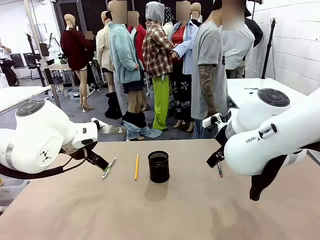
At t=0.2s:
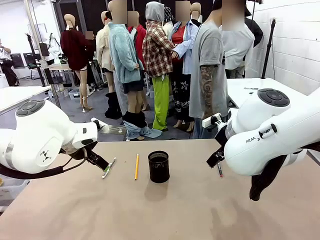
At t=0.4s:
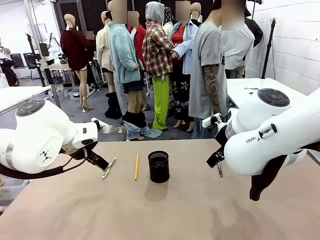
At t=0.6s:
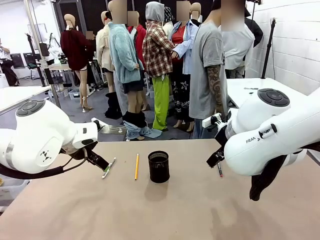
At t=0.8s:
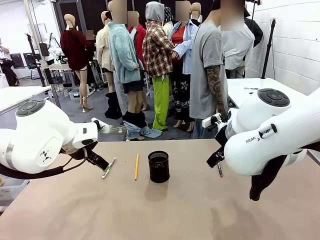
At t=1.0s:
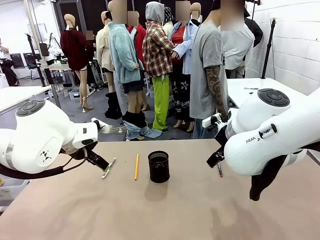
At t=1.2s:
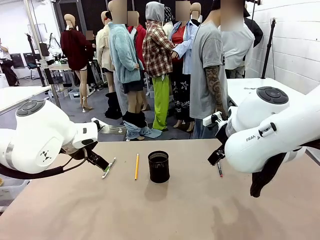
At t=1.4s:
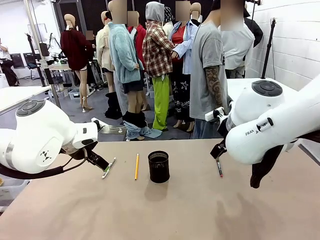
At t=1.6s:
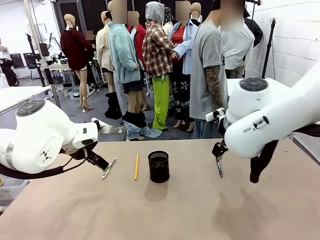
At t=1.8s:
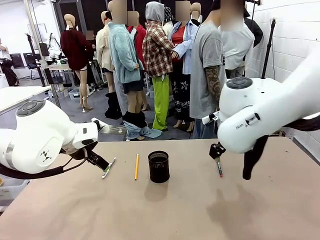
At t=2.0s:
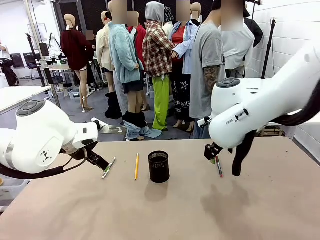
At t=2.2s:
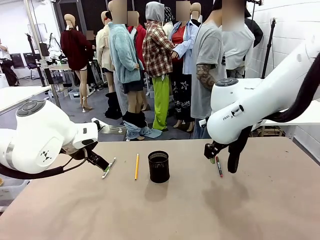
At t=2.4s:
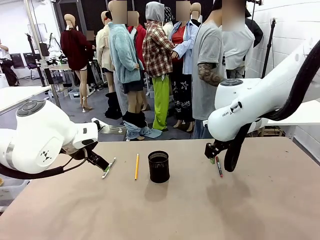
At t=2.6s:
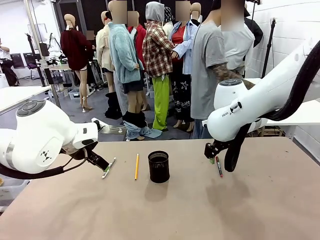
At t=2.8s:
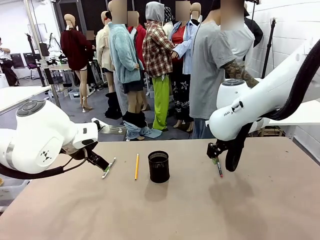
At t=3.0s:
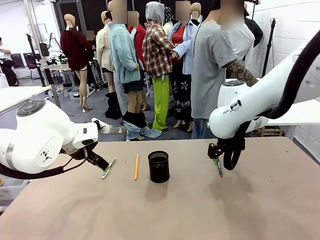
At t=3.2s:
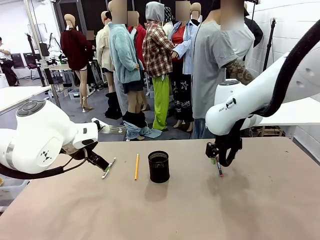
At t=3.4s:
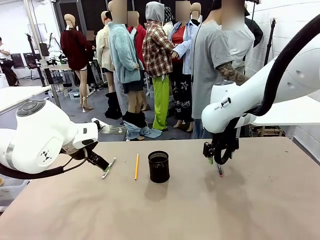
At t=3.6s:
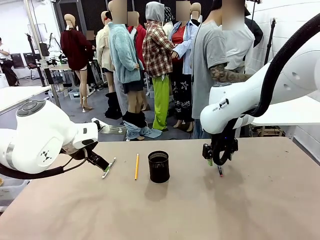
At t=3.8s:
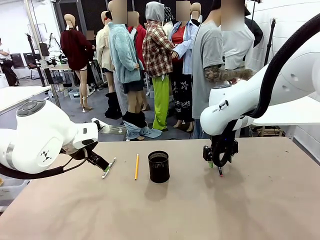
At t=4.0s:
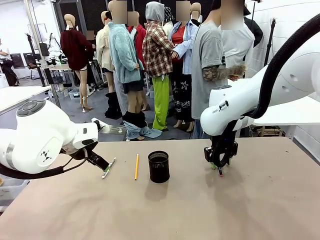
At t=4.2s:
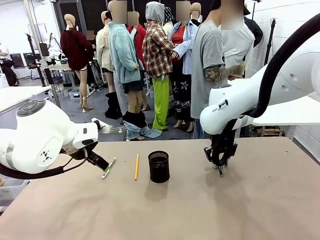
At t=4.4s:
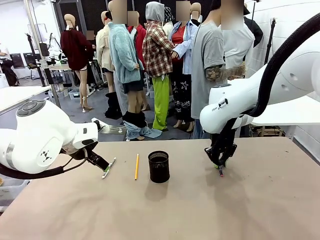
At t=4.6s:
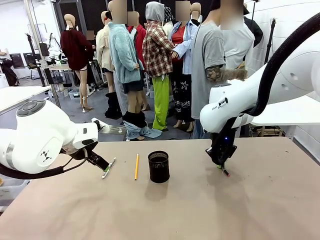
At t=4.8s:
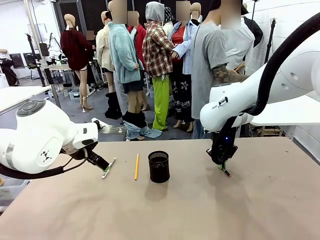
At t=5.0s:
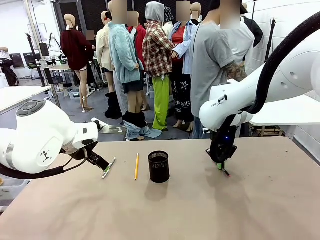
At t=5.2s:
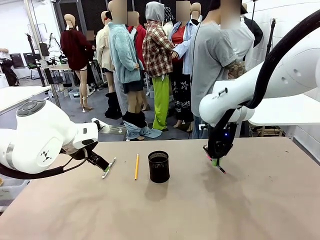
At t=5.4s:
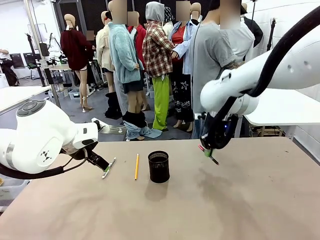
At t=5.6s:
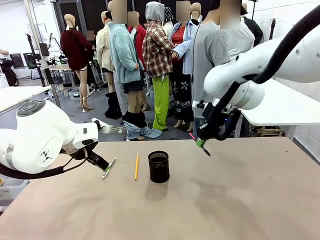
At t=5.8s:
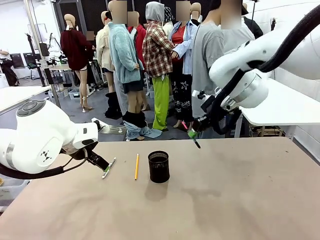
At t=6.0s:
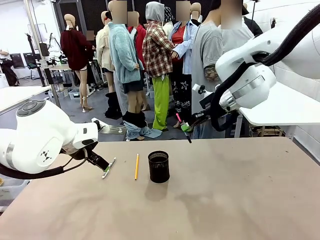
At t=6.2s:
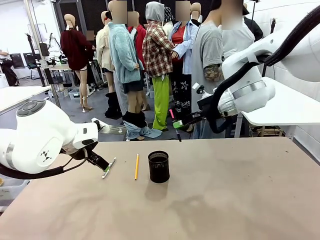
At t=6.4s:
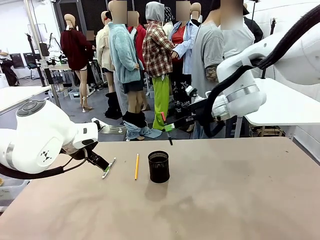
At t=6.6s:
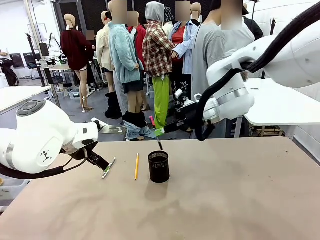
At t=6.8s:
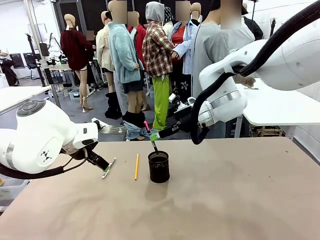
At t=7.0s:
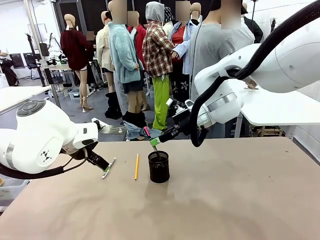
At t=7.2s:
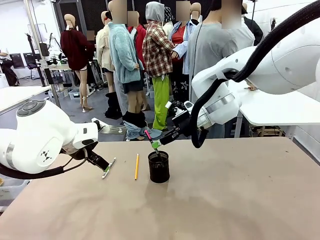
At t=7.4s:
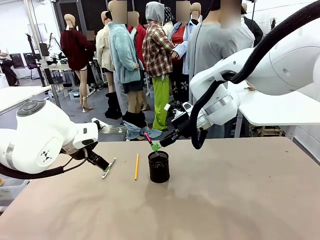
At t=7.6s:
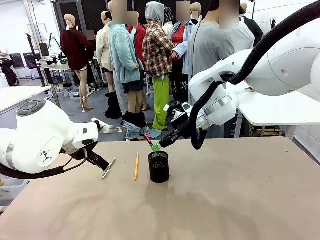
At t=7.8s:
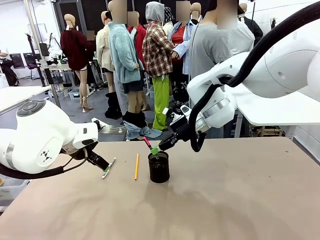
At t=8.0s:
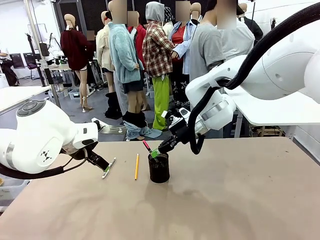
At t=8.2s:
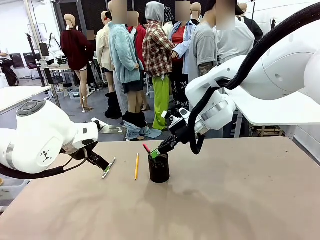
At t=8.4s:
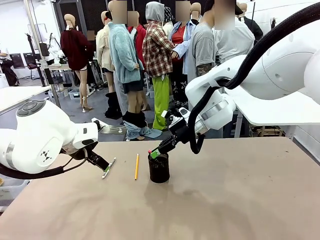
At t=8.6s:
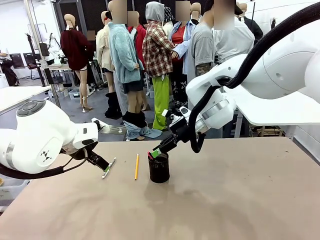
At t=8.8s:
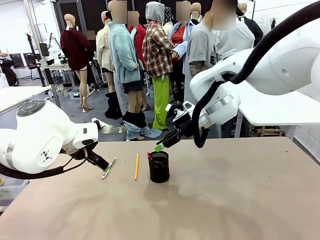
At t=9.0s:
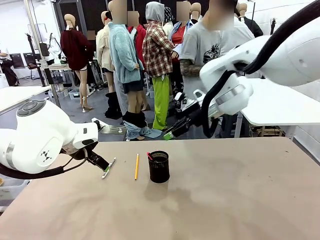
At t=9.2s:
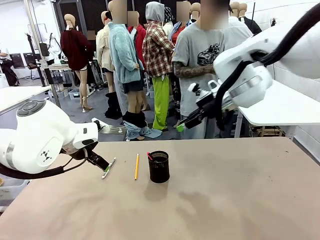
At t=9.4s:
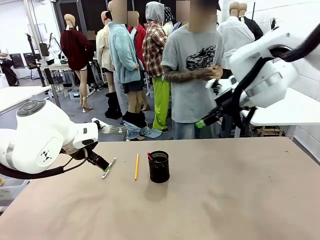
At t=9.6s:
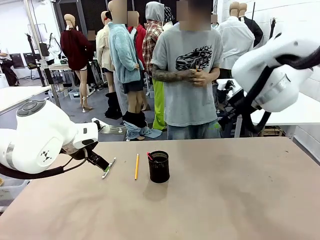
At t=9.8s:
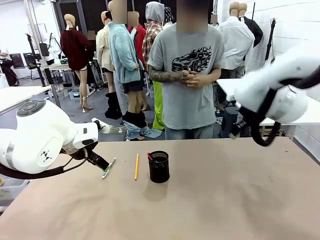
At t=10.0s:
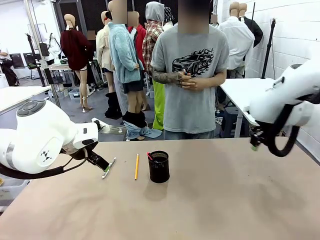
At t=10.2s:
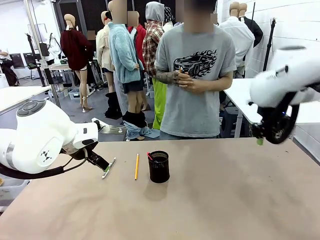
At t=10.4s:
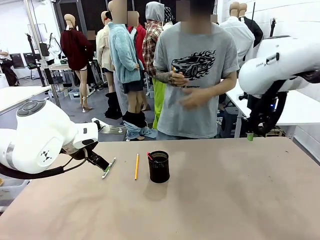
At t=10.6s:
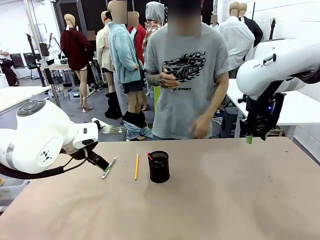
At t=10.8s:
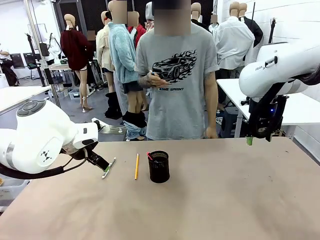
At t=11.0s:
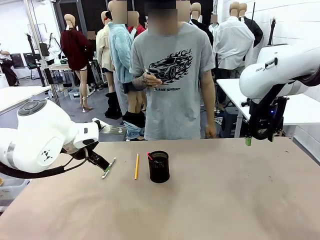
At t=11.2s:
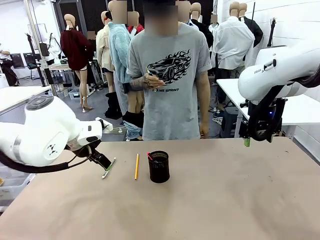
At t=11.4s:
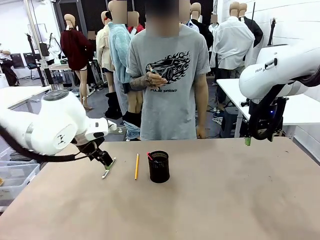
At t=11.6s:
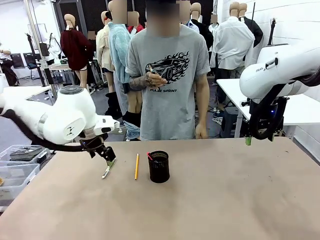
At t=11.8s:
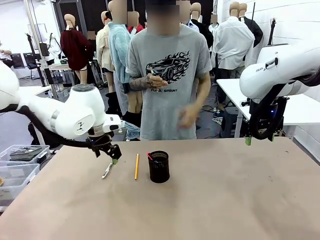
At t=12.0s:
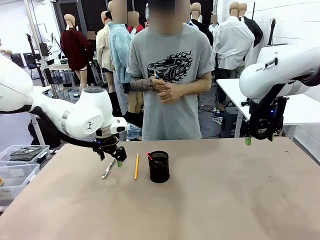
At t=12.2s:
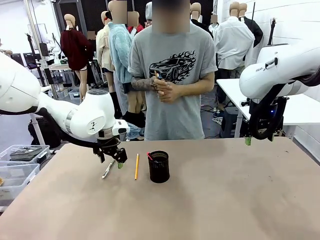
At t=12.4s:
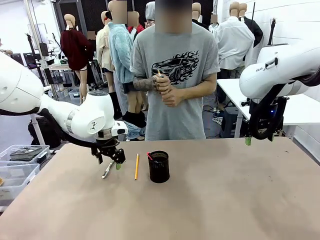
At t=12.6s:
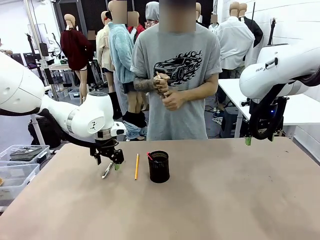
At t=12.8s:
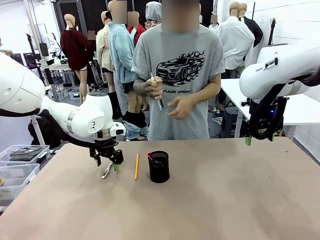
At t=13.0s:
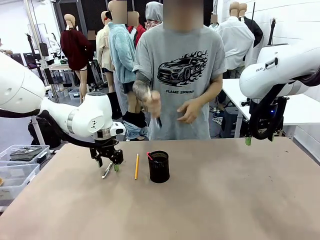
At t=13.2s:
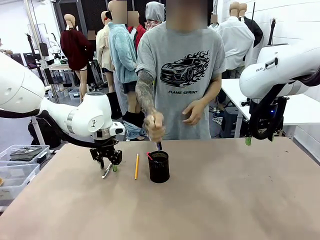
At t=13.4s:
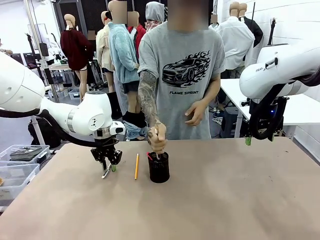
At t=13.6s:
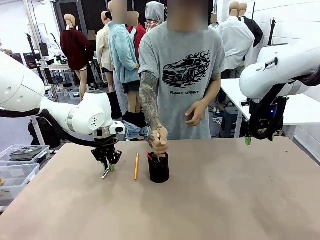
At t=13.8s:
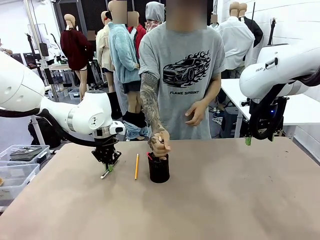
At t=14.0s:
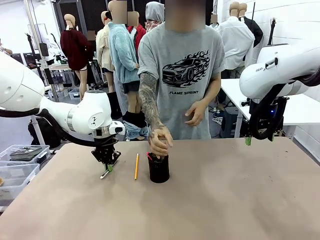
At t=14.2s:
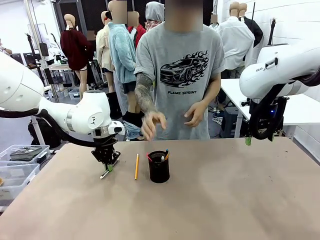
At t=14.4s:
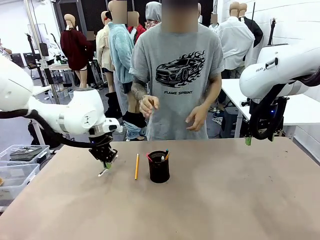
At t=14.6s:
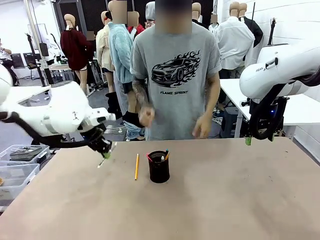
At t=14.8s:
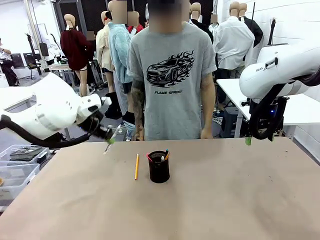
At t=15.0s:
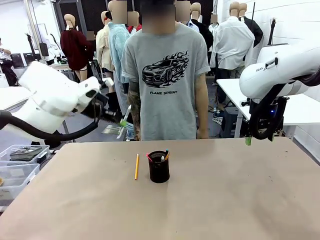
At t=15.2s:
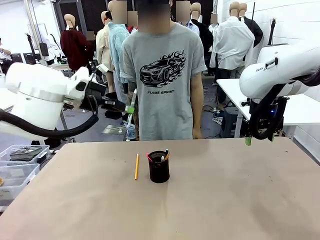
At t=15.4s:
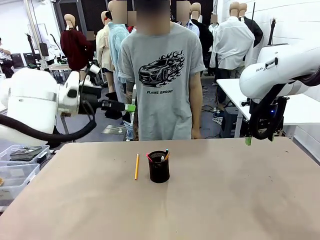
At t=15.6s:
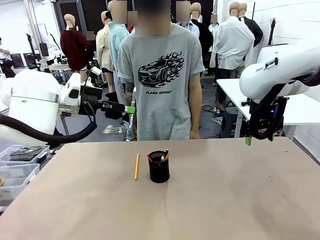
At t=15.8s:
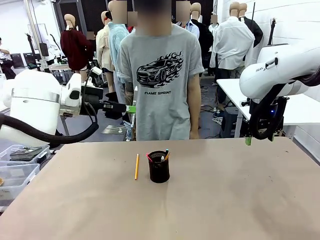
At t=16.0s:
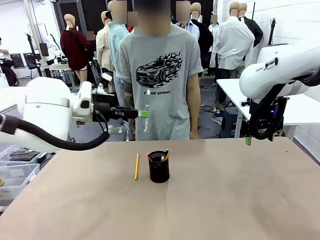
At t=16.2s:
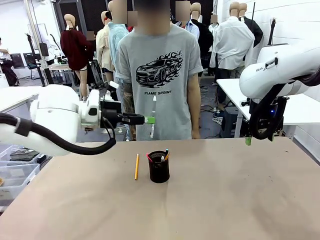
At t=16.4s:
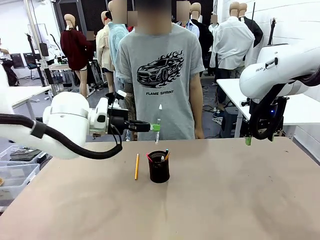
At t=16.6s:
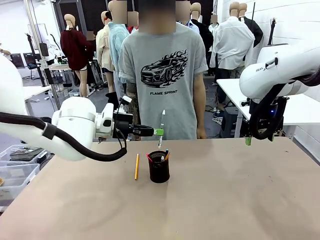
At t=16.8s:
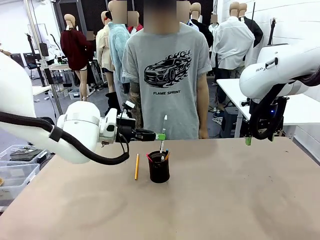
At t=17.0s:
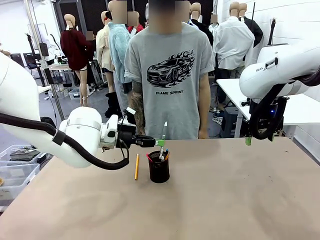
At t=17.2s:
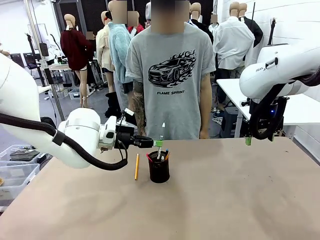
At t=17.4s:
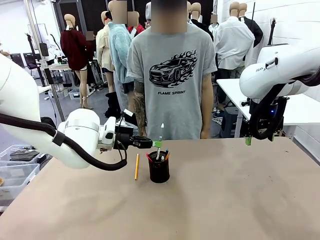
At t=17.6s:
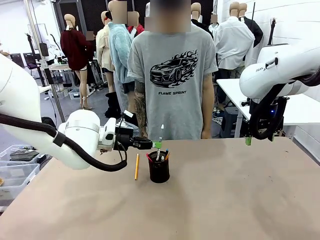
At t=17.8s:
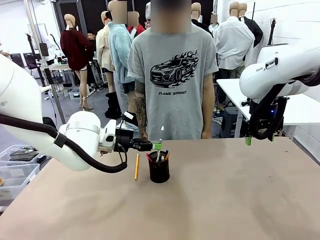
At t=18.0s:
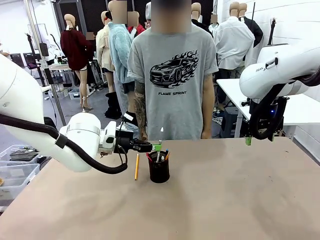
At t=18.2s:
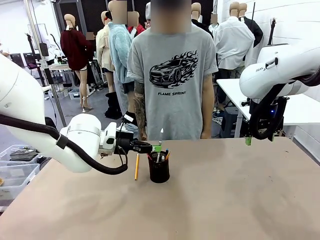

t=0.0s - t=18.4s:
Task: Place the pens into the pen holder.
Robot: Pick up a writing instrument from the table and place it into the Pen holder.
Person: Pick up all writing instruments from the Human table.
